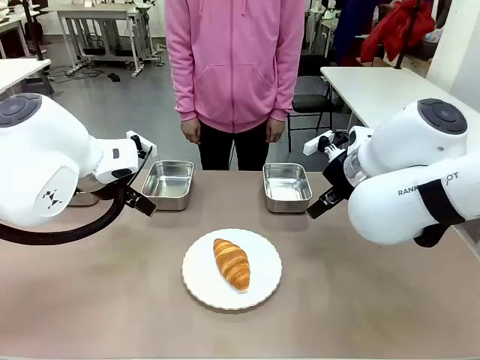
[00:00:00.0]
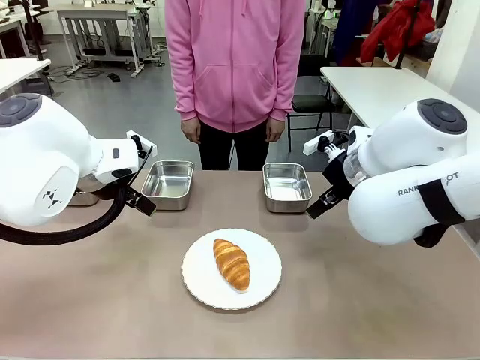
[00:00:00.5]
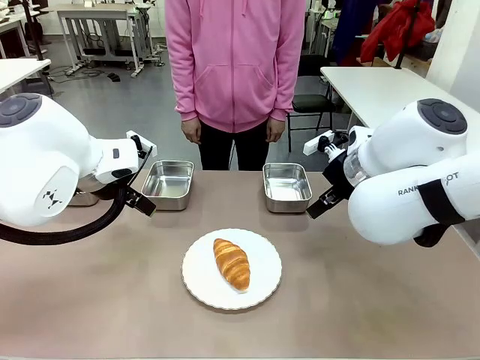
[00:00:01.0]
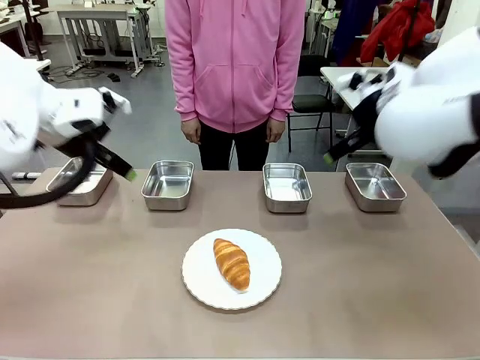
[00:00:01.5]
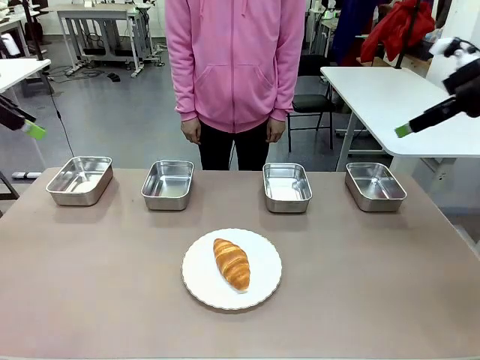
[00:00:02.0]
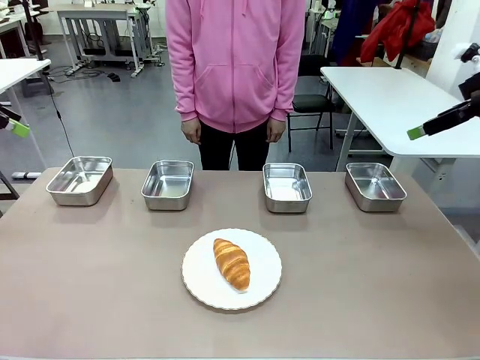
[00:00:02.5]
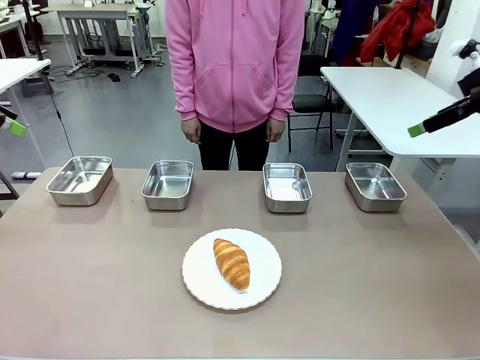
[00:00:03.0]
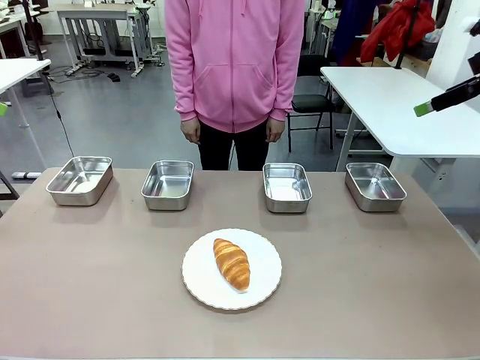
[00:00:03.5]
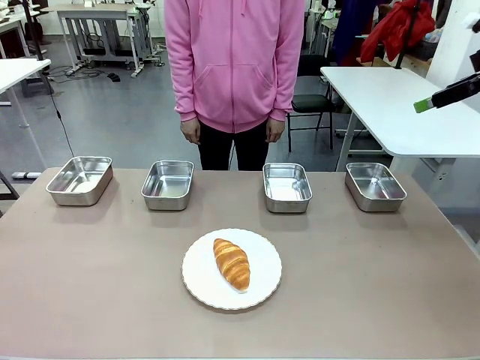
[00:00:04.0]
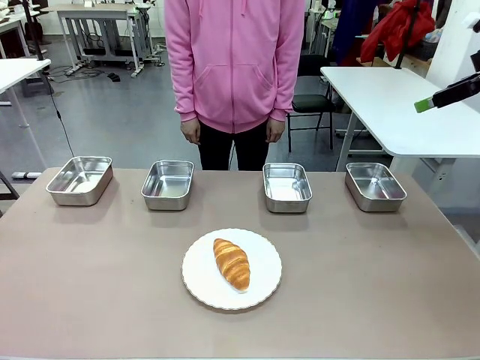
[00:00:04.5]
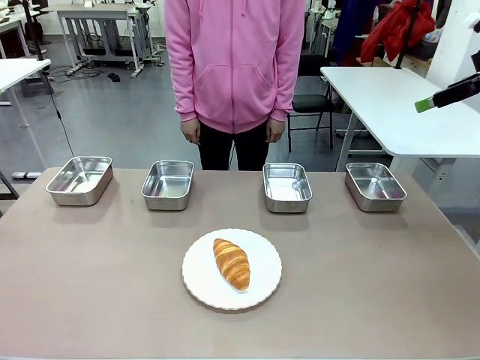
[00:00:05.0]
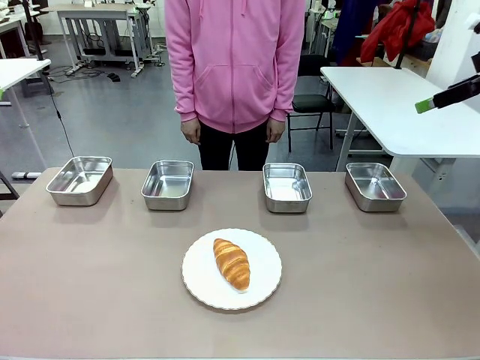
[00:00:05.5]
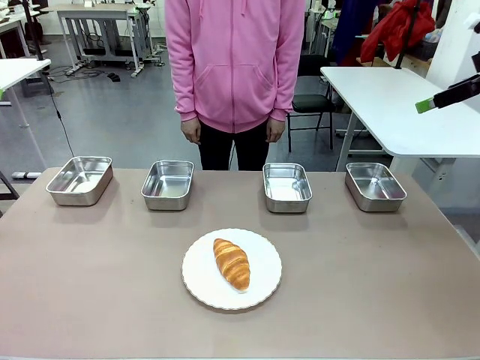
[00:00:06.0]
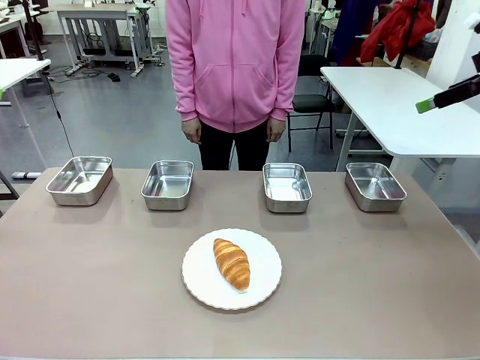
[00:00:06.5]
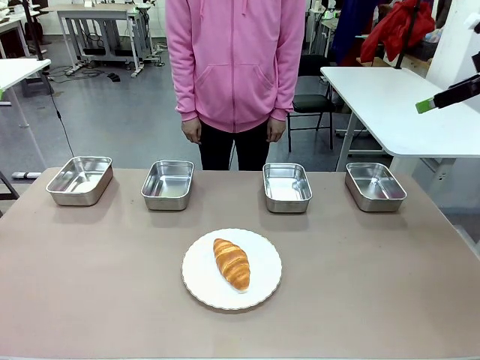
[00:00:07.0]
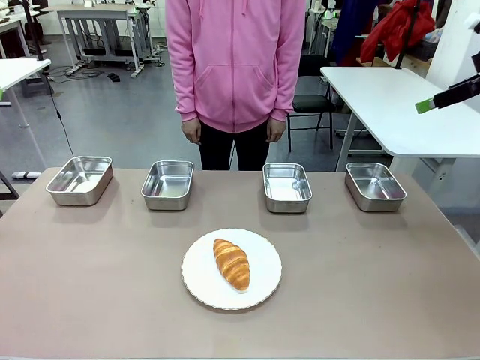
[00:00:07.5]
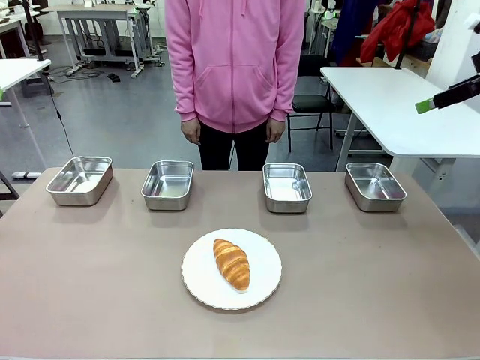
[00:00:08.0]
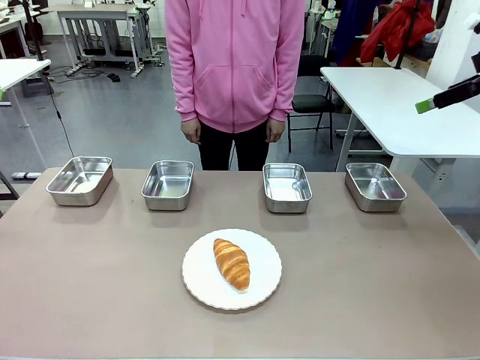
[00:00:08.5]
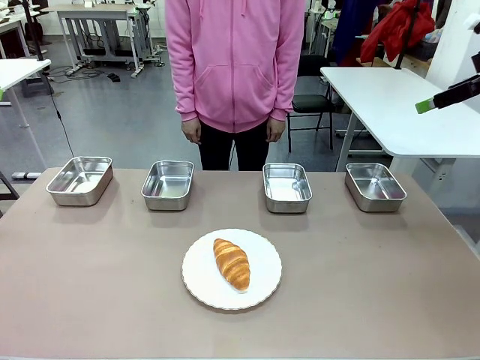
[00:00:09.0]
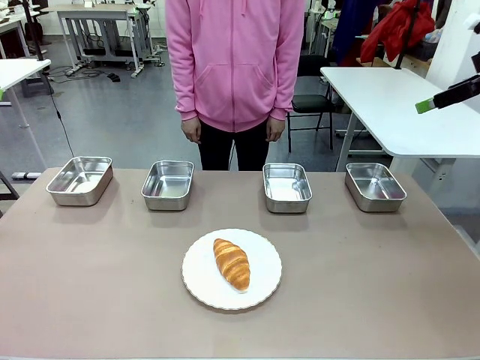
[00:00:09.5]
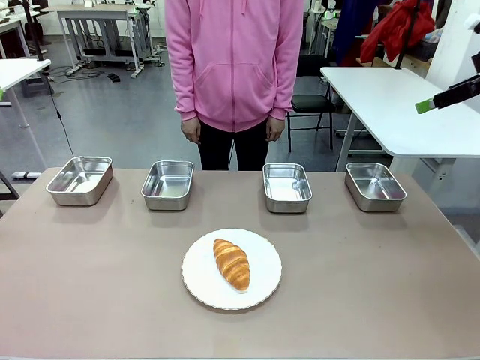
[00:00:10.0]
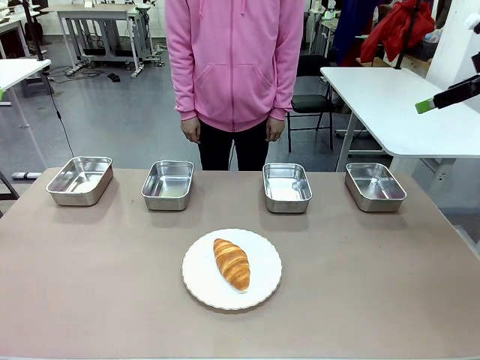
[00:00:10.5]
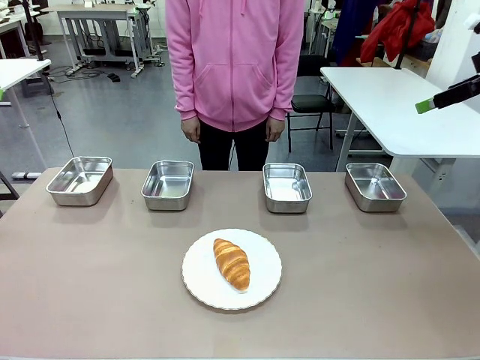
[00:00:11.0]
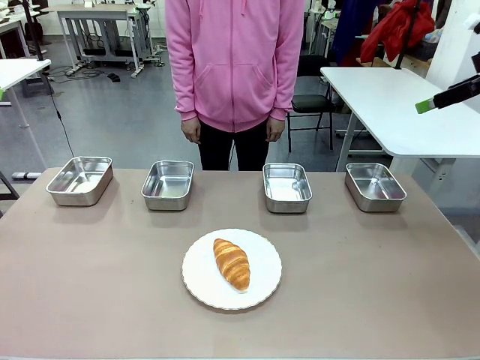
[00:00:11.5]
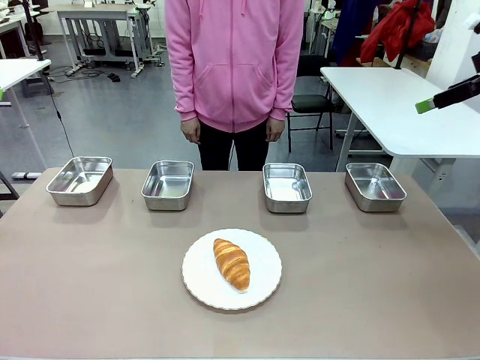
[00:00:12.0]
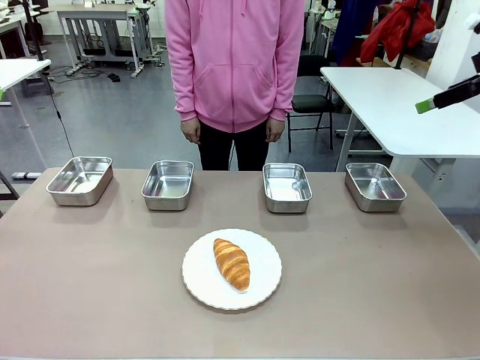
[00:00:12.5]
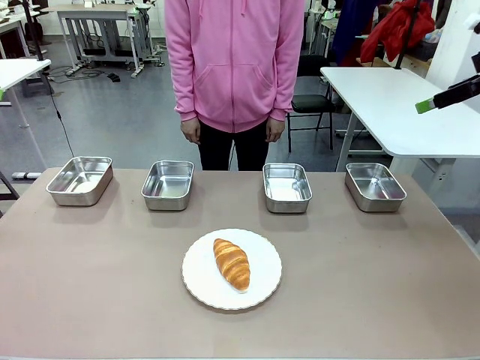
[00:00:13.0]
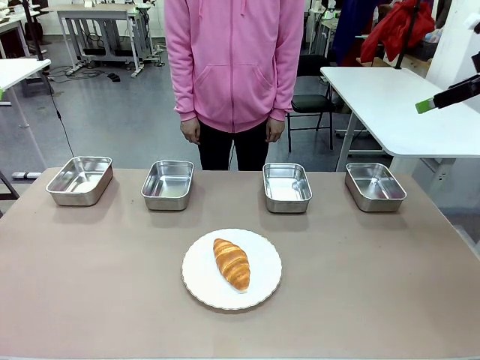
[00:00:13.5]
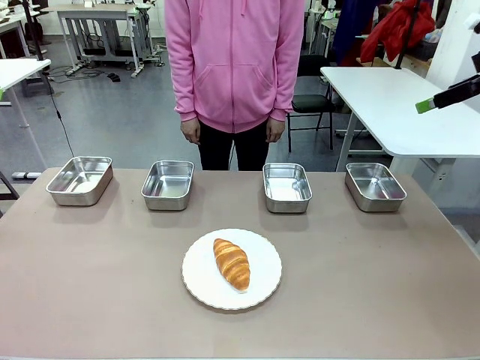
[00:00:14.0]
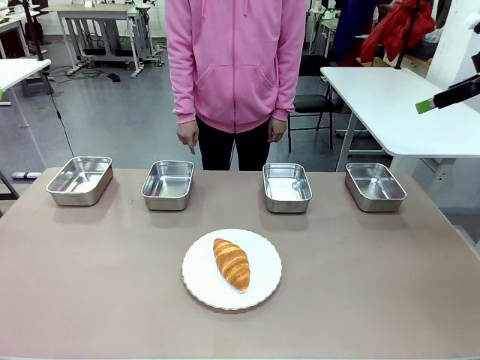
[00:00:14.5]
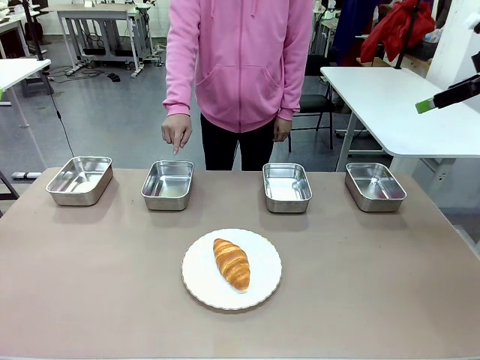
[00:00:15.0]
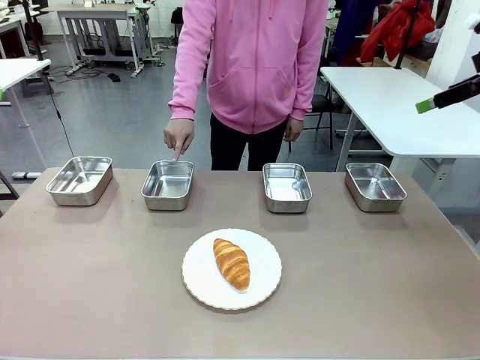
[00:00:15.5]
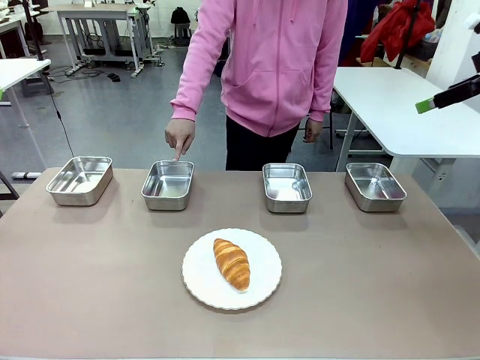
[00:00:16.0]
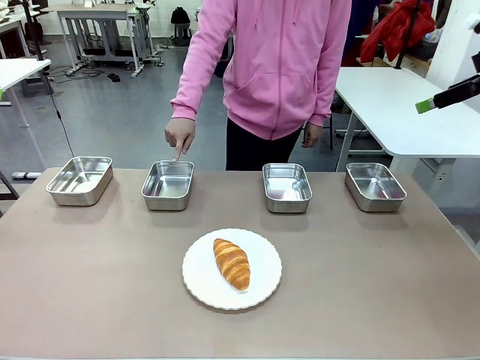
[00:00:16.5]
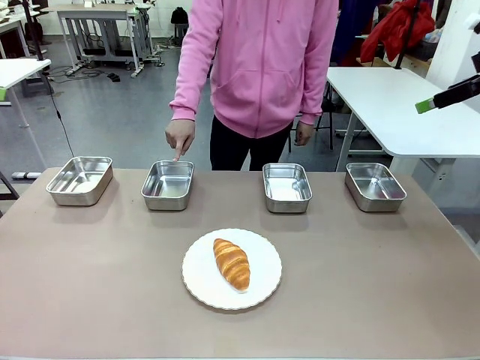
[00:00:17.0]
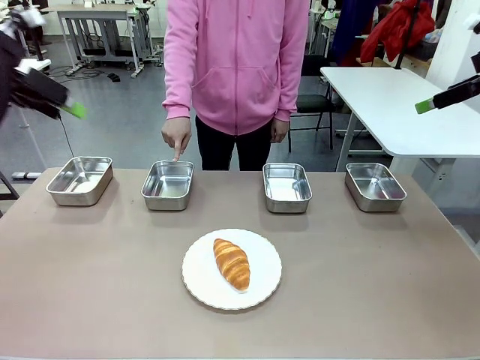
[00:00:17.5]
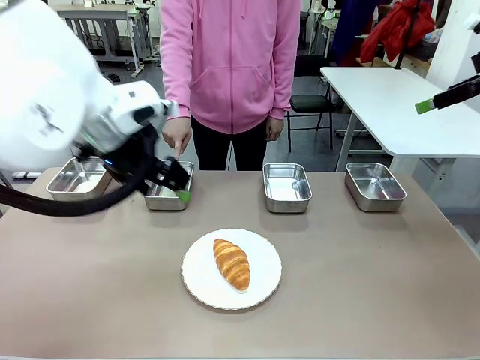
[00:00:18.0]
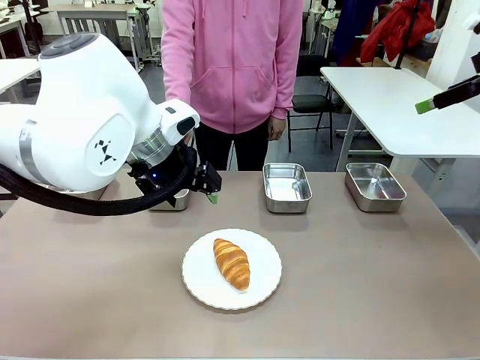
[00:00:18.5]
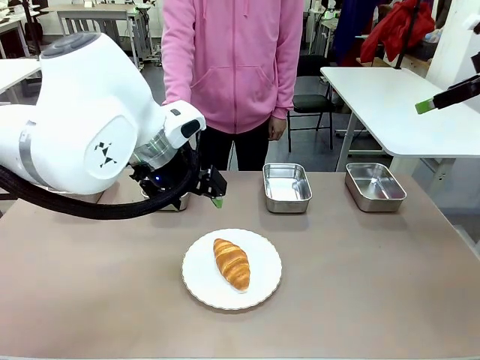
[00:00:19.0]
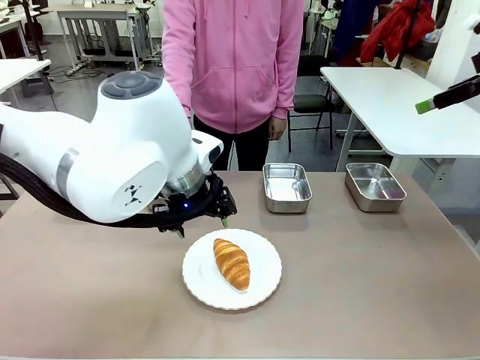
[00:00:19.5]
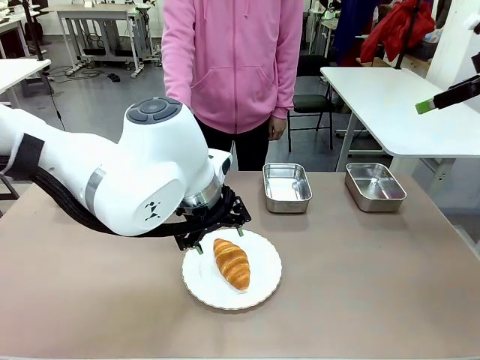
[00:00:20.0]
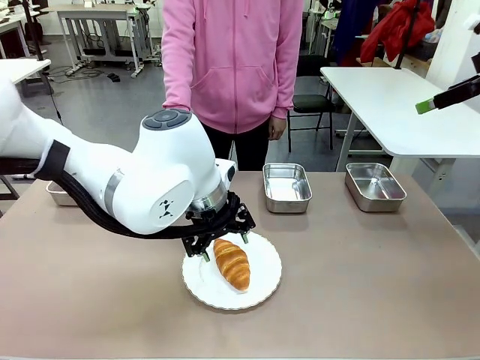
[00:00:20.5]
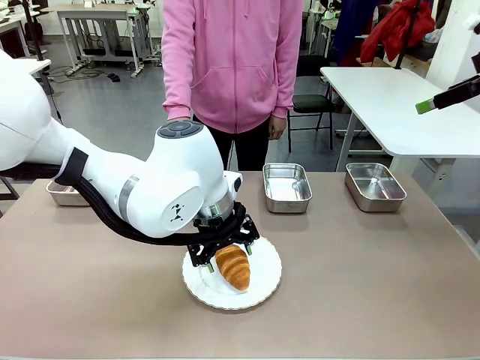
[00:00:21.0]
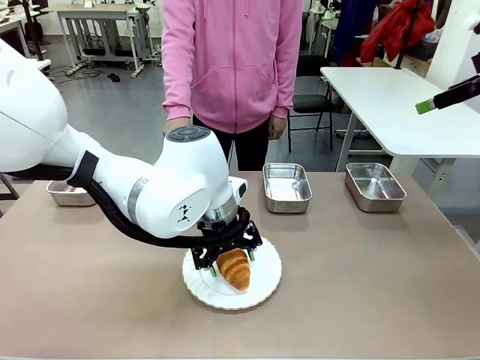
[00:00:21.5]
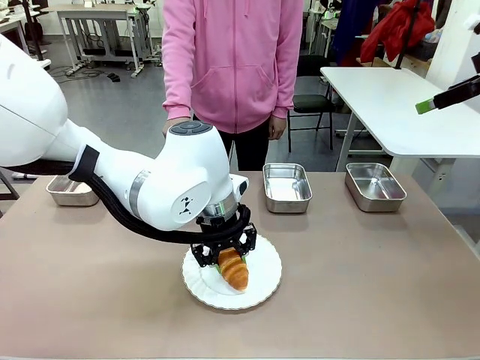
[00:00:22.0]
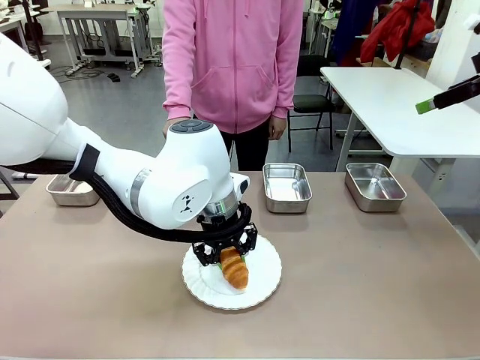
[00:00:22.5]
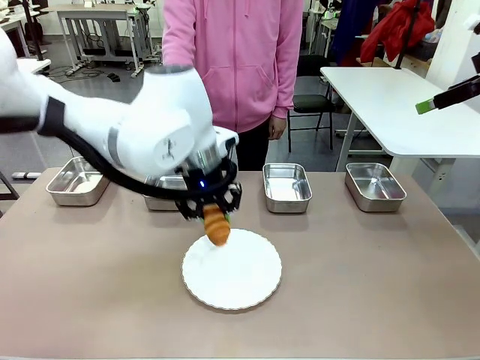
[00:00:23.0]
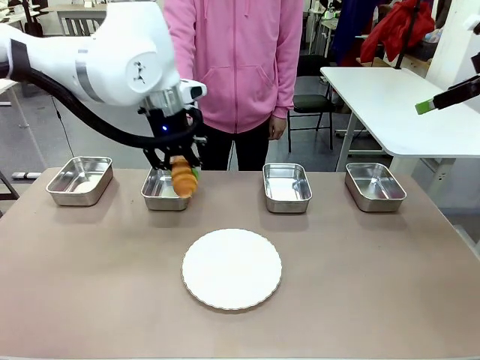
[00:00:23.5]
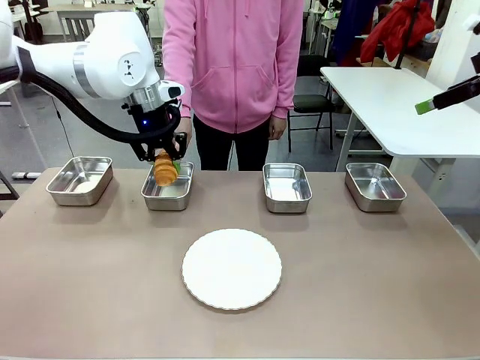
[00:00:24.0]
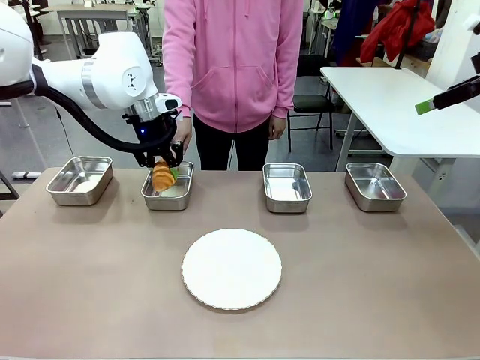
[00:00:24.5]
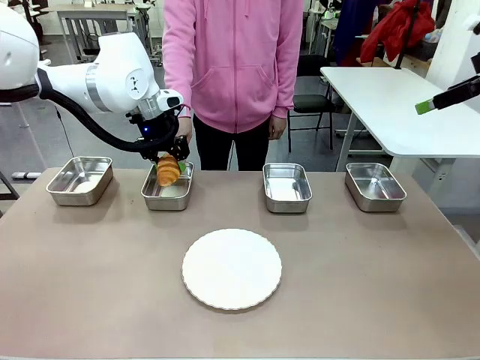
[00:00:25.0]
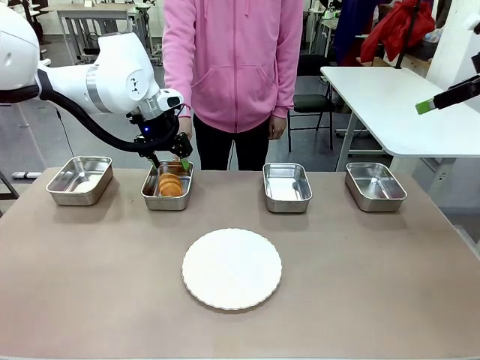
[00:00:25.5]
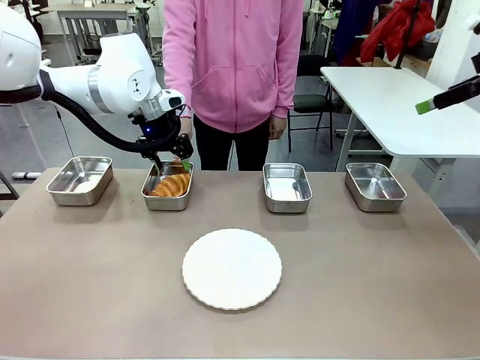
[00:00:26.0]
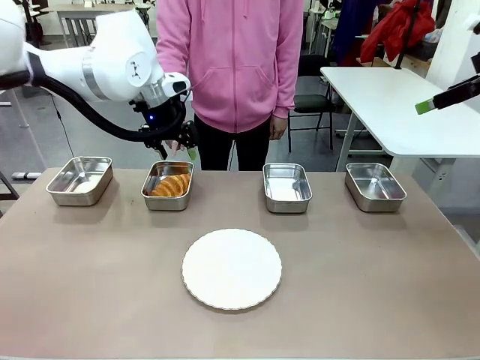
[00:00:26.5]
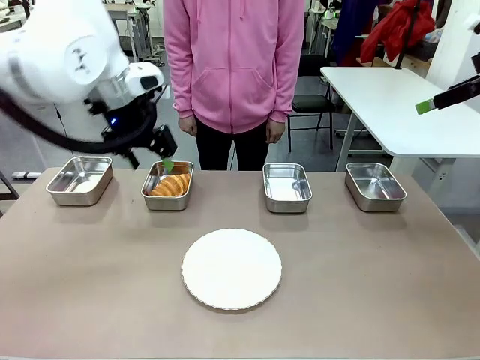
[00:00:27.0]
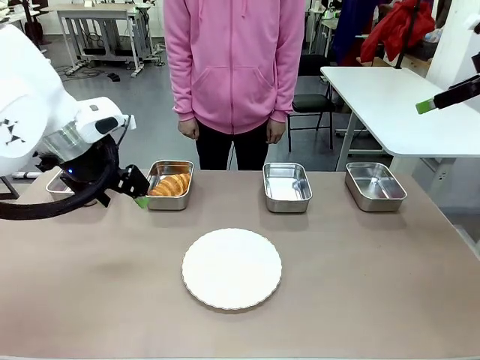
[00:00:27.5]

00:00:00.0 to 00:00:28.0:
Task: Place the bread in the container.
Robot: Place the Butter Roll into the Airtight Container indicated by the human.
Person: A person randomly selects and points to an Airtight Container.
